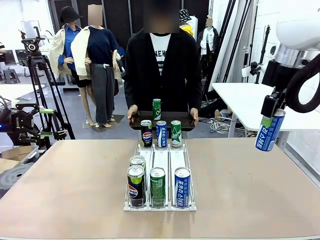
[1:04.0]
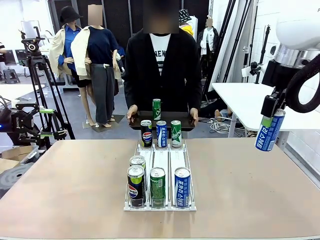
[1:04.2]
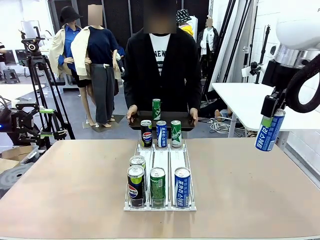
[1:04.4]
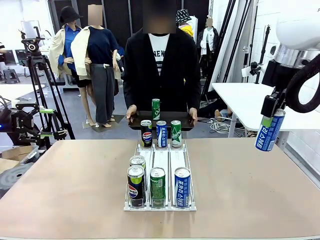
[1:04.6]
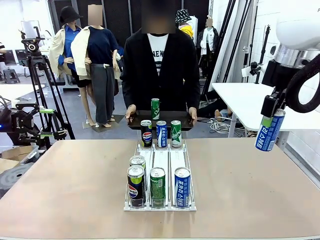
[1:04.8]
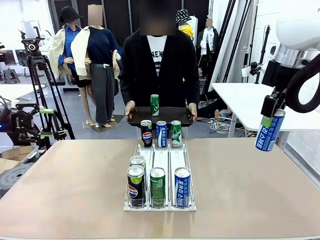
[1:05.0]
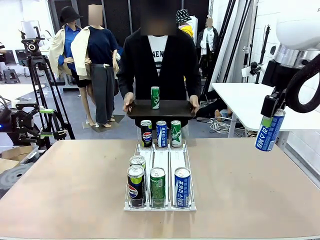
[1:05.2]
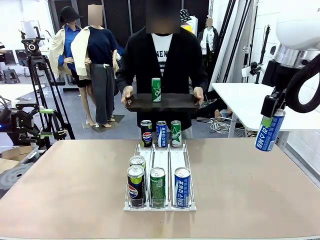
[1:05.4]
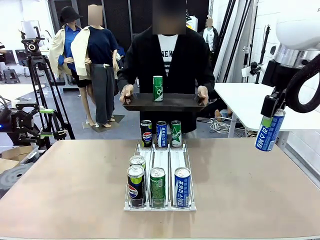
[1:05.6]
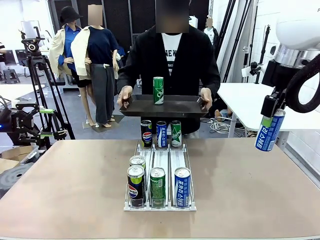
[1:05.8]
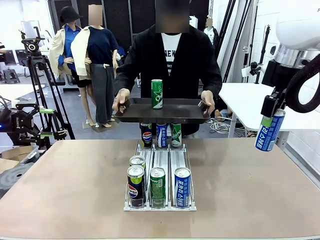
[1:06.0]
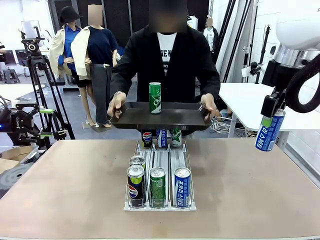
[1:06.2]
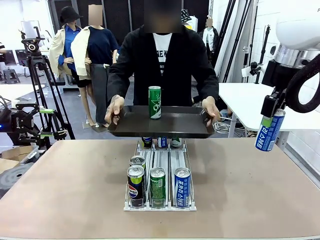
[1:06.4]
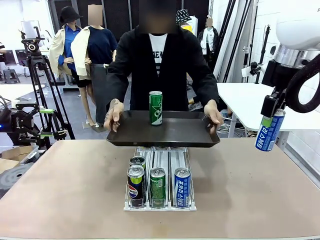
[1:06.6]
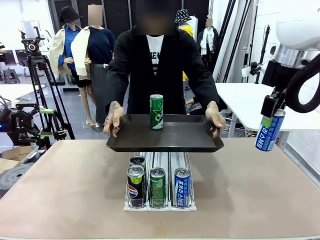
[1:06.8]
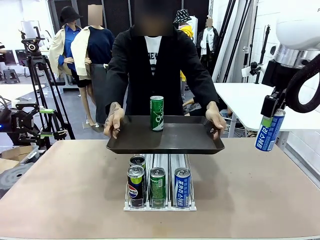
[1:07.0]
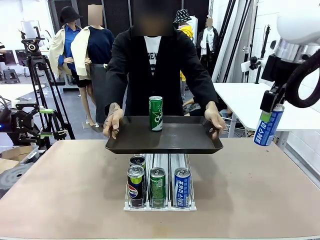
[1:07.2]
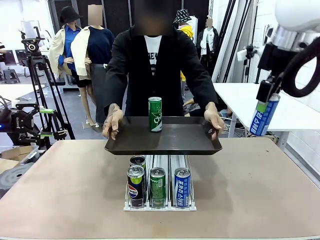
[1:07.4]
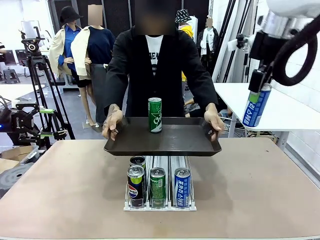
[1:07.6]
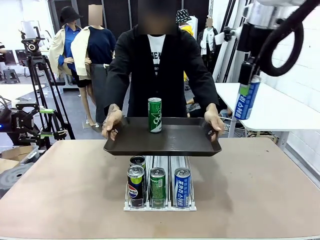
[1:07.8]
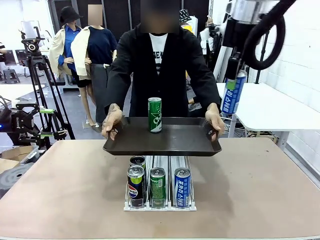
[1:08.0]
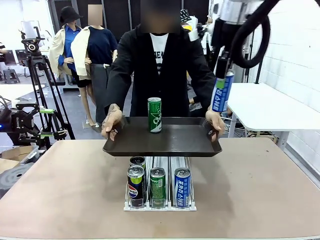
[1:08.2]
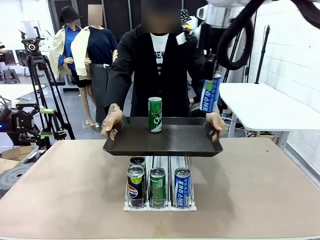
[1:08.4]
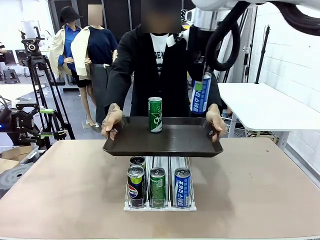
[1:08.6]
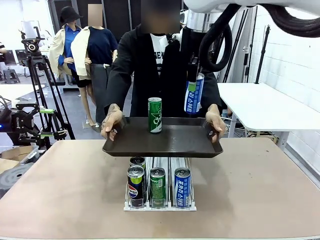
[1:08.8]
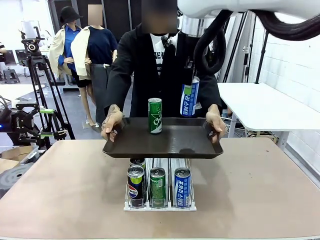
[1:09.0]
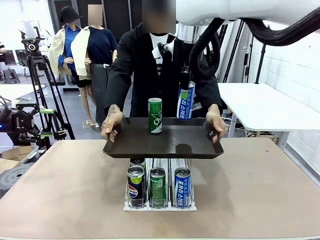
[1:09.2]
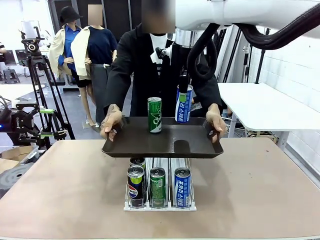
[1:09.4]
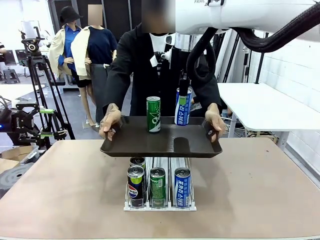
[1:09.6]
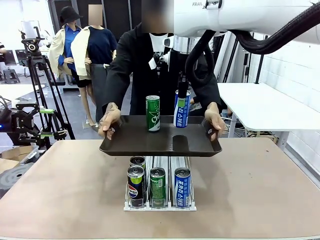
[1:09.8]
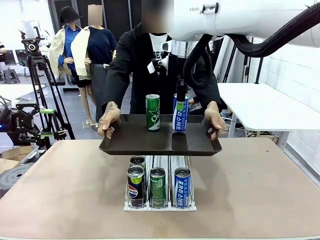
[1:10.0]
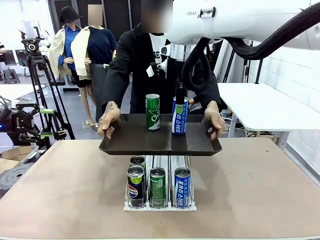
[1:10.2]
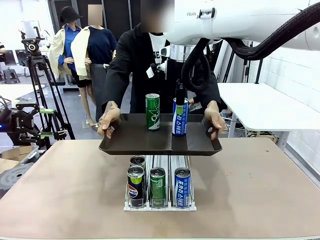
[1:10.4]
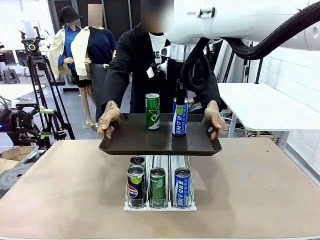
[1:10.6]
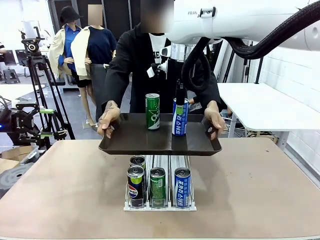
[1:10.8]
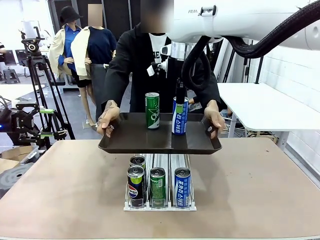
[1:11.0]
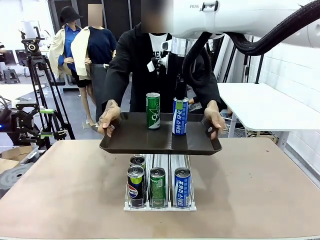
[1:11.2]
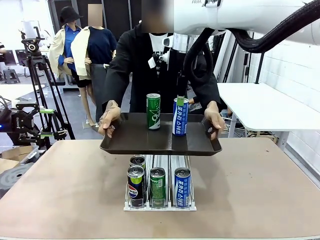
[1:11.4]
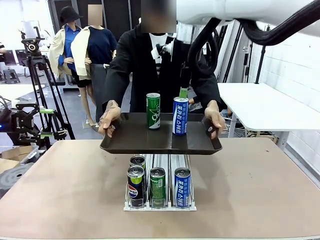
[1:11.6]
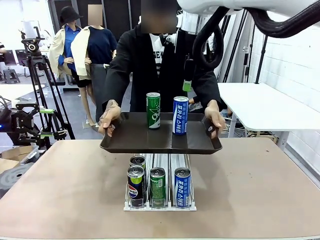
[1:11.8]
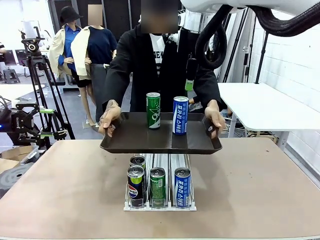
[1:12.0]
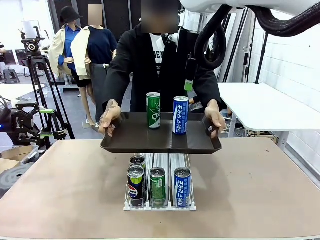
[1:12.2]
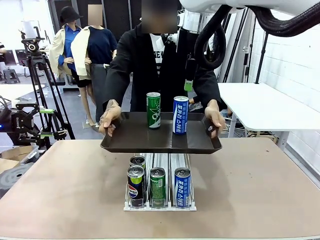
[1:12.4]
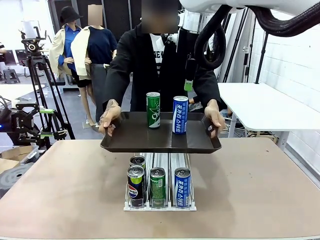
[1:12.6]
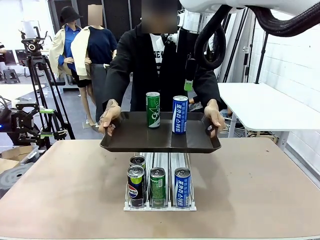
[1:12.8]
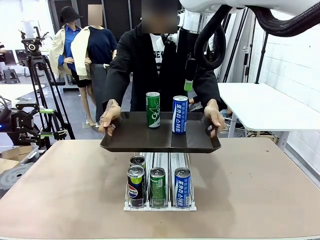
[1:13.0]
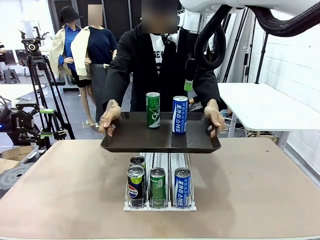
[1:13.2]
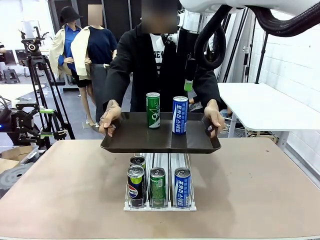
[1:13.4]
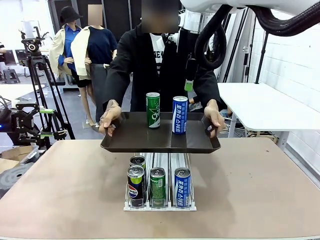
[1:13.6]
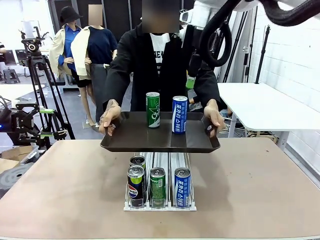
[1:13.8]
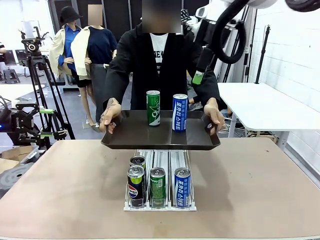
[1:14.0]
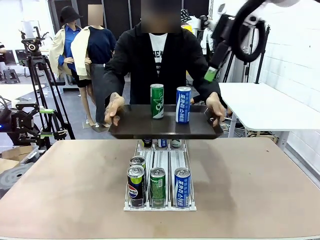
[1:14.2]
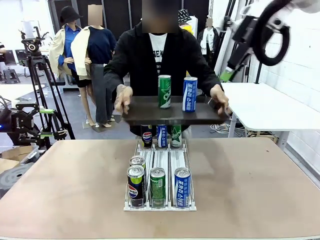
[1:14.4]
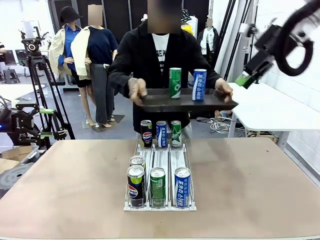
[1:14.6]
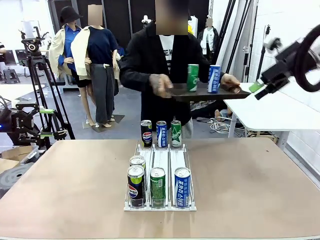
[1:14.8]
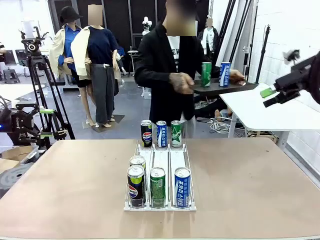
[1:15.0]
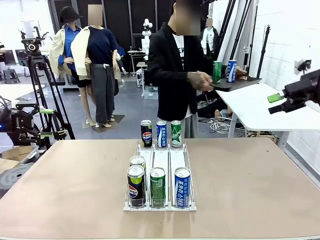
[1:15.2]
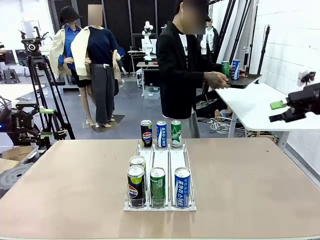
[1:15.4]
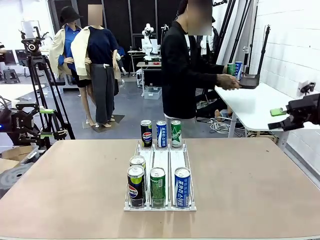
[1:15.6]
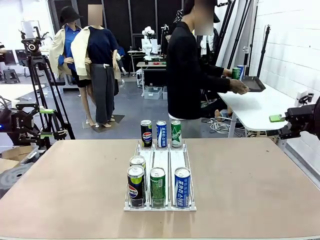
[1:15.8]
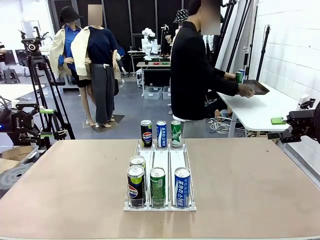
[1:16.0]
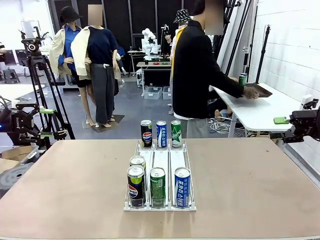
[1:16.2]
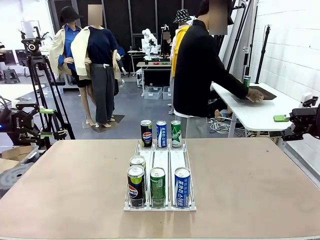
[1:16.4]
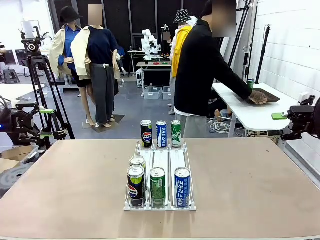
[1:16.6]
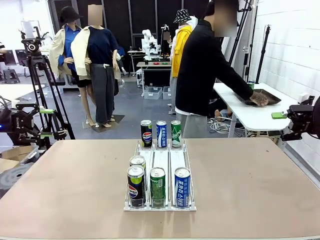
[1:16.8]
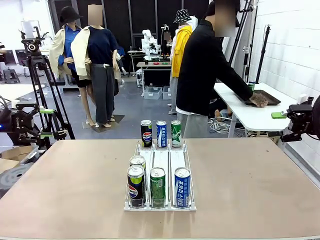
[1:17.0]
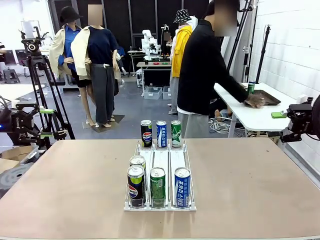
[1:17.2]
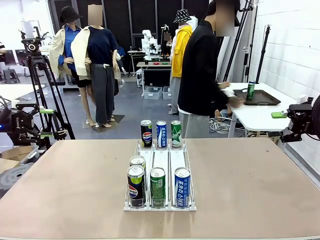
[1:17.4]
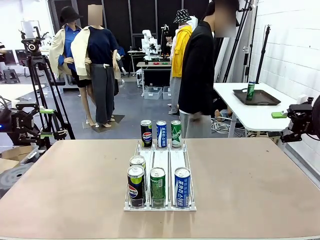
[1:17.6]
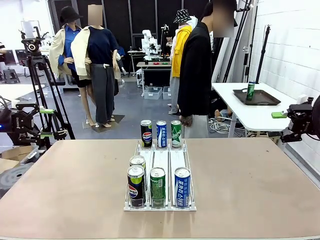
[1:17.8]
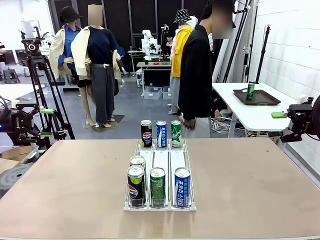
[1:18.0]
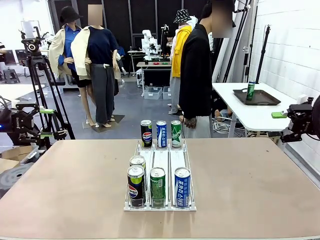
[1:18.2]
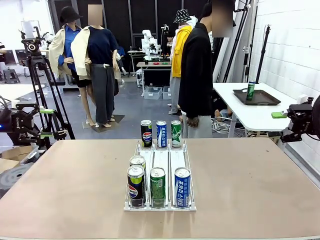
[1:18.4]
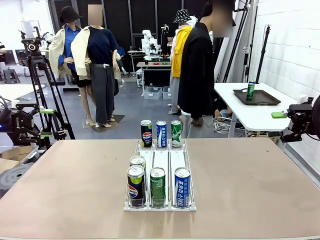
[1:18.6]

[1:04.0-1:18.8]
Task: Retrieve and hand over the desired beverage to the person.
Robot: Place the picked can on the Handle tray extended by the person.
Person: Pull the tray back and place it at the center of the human table.
